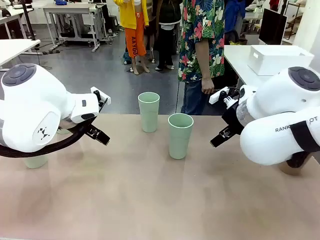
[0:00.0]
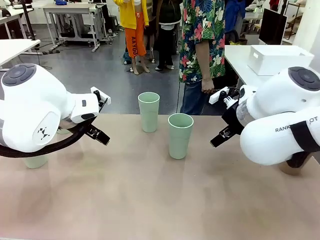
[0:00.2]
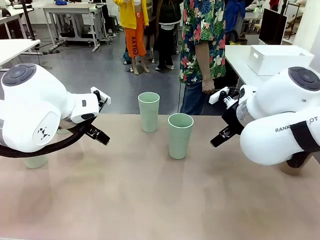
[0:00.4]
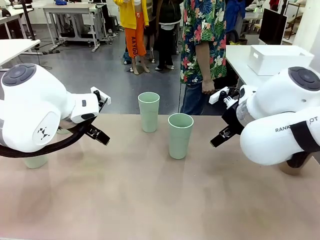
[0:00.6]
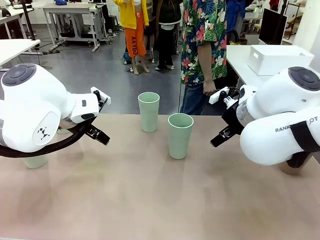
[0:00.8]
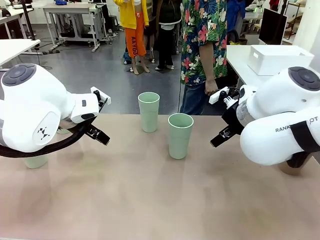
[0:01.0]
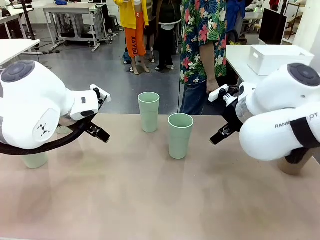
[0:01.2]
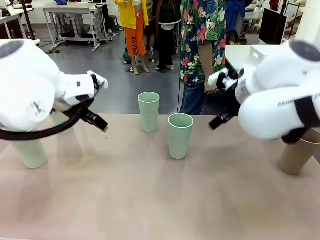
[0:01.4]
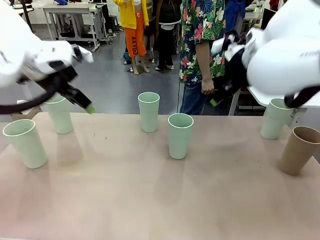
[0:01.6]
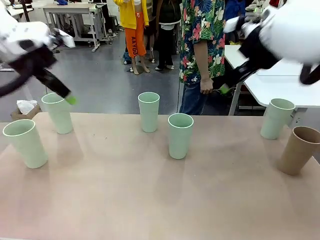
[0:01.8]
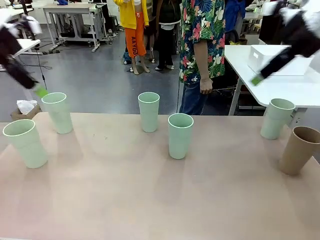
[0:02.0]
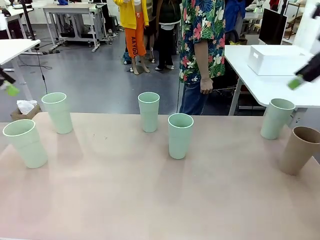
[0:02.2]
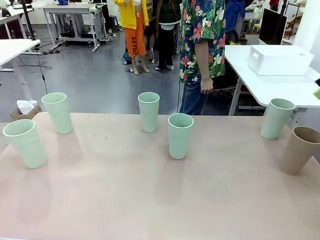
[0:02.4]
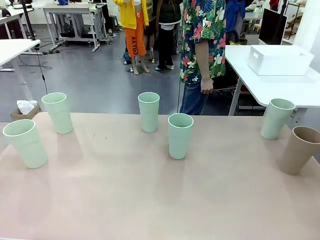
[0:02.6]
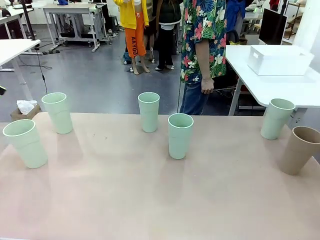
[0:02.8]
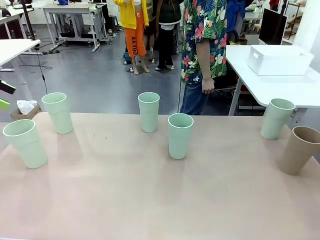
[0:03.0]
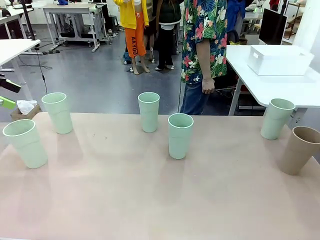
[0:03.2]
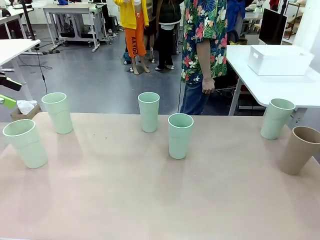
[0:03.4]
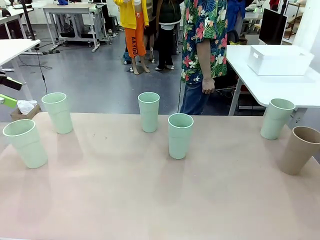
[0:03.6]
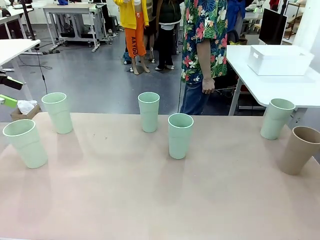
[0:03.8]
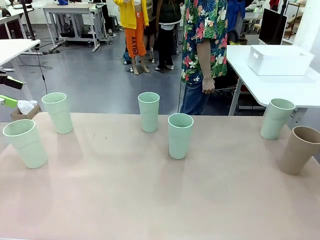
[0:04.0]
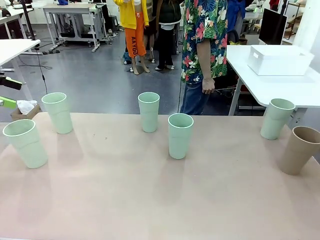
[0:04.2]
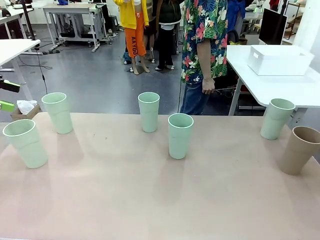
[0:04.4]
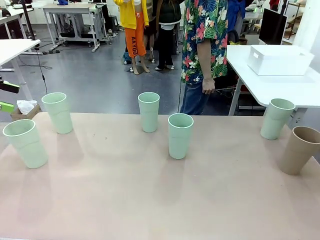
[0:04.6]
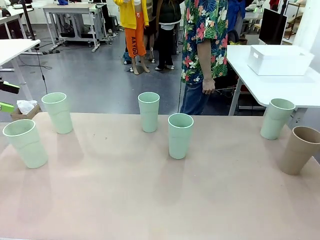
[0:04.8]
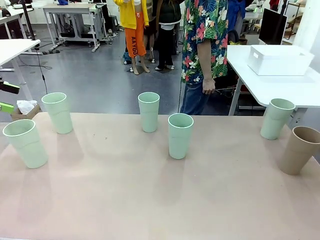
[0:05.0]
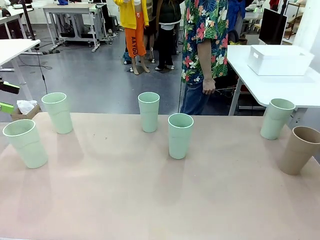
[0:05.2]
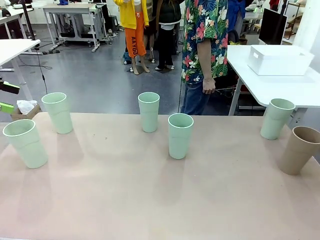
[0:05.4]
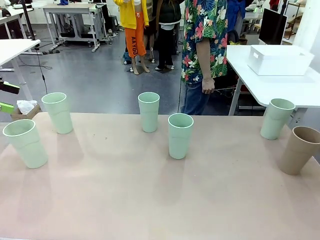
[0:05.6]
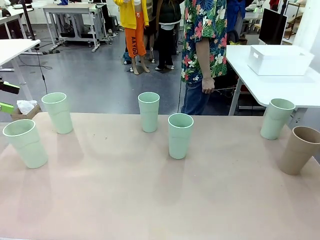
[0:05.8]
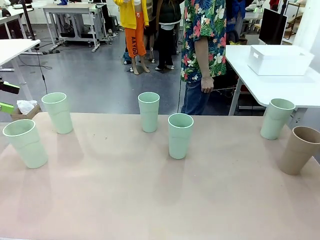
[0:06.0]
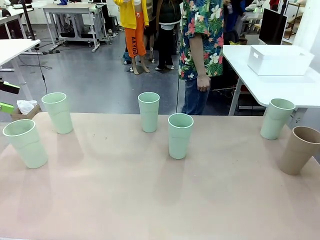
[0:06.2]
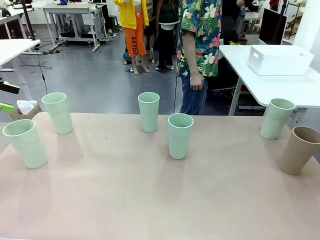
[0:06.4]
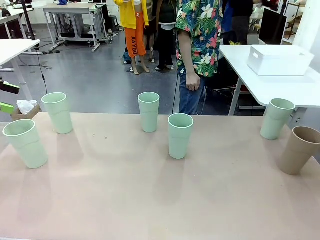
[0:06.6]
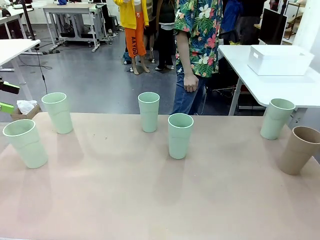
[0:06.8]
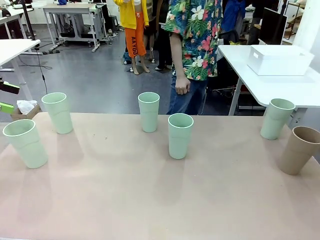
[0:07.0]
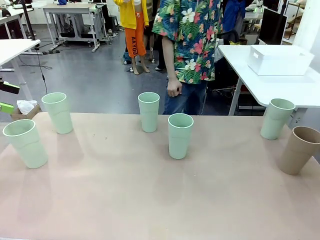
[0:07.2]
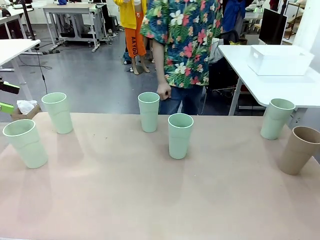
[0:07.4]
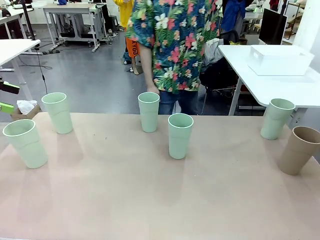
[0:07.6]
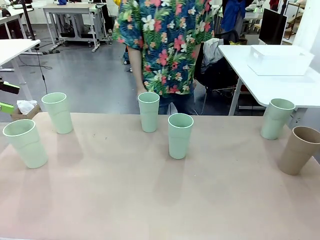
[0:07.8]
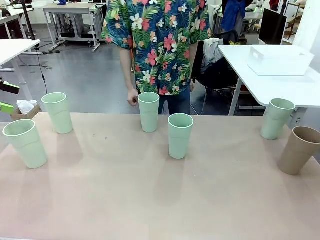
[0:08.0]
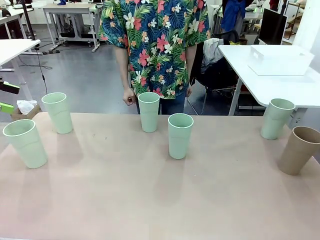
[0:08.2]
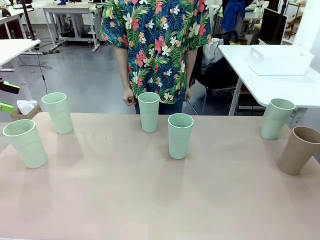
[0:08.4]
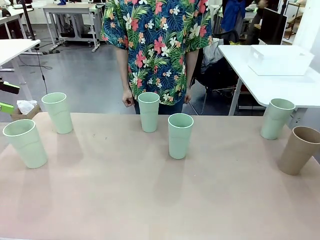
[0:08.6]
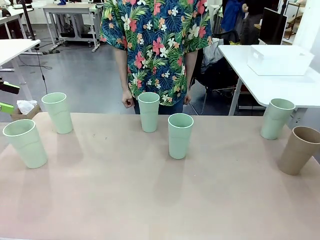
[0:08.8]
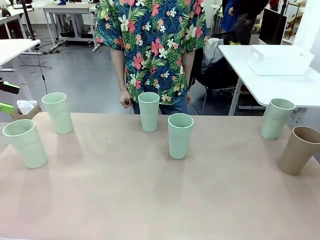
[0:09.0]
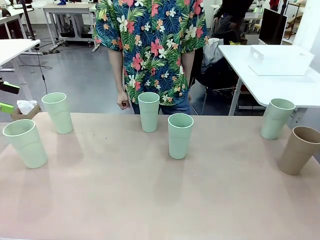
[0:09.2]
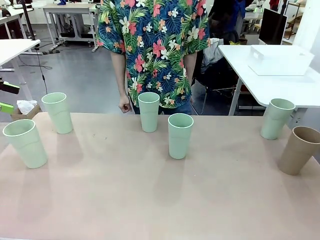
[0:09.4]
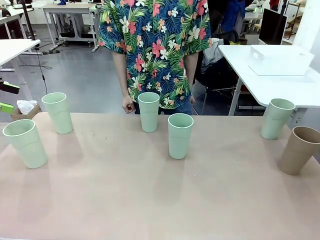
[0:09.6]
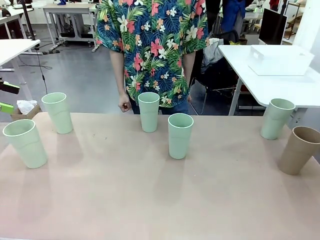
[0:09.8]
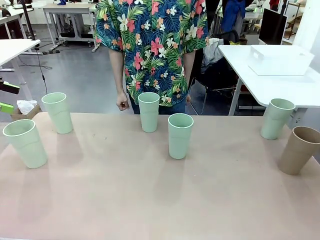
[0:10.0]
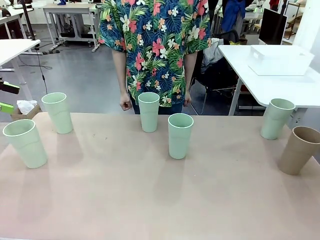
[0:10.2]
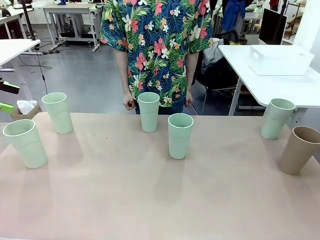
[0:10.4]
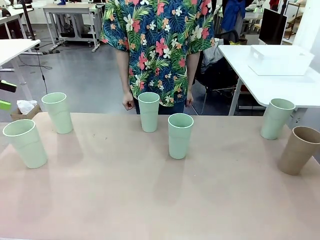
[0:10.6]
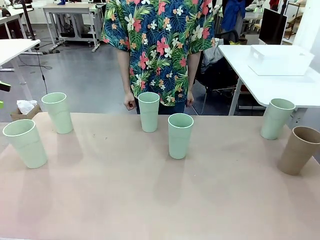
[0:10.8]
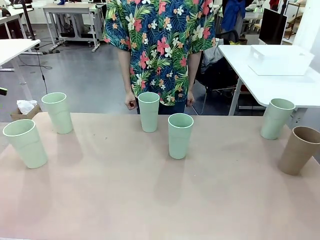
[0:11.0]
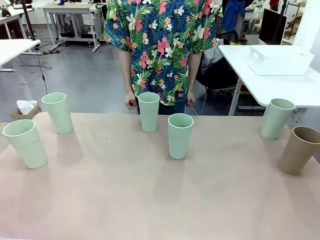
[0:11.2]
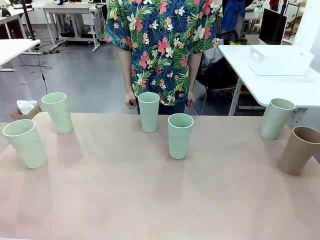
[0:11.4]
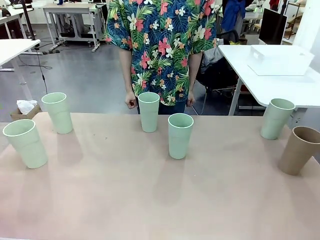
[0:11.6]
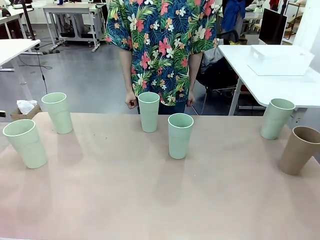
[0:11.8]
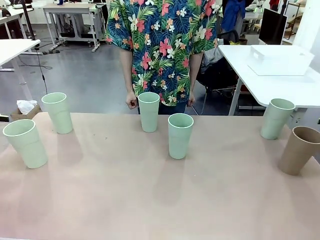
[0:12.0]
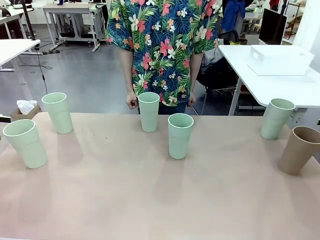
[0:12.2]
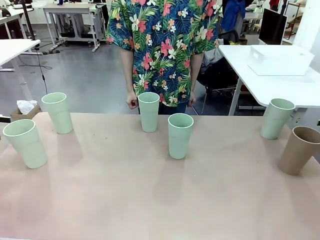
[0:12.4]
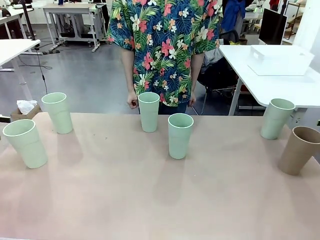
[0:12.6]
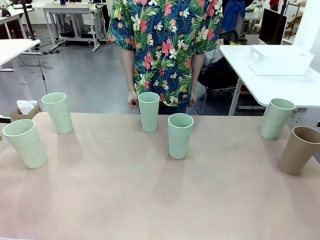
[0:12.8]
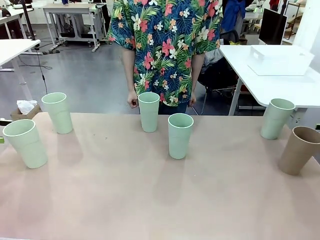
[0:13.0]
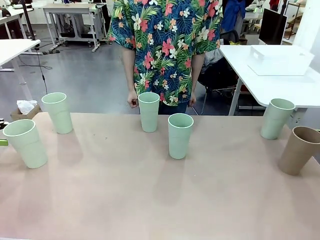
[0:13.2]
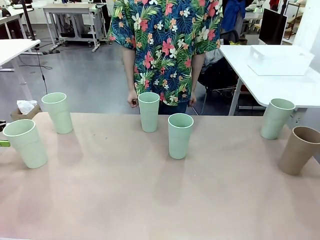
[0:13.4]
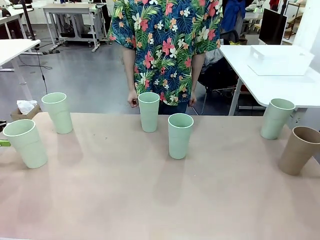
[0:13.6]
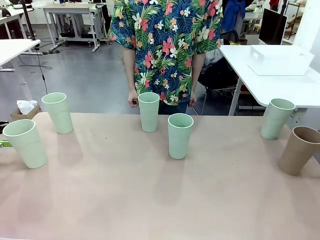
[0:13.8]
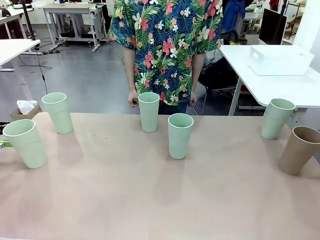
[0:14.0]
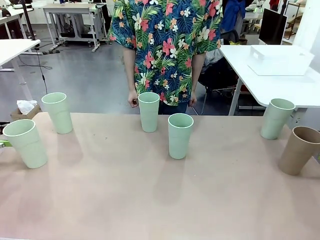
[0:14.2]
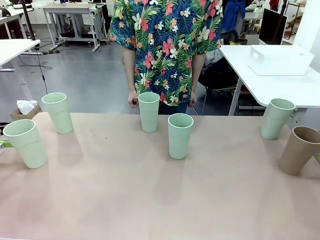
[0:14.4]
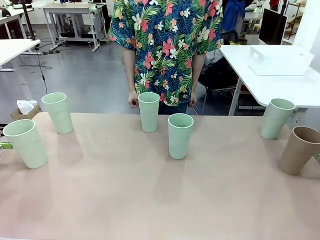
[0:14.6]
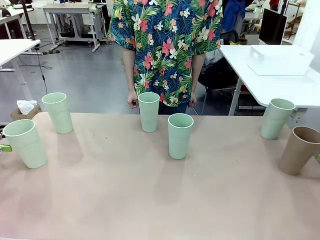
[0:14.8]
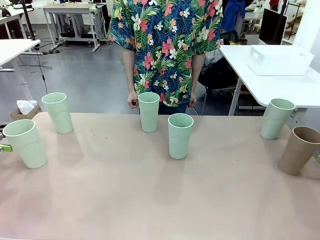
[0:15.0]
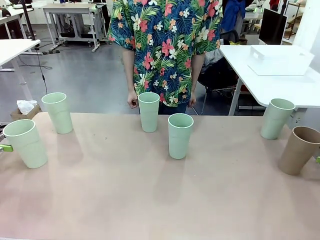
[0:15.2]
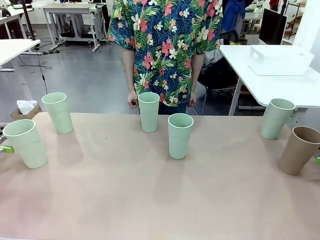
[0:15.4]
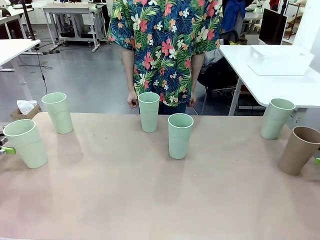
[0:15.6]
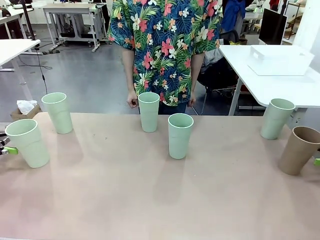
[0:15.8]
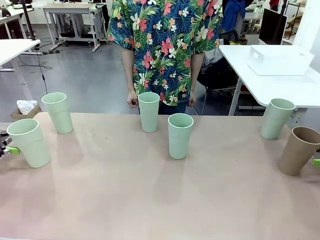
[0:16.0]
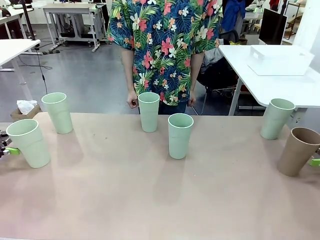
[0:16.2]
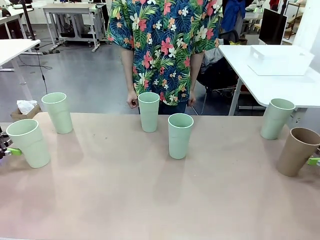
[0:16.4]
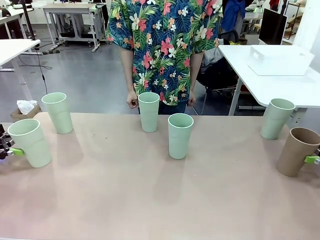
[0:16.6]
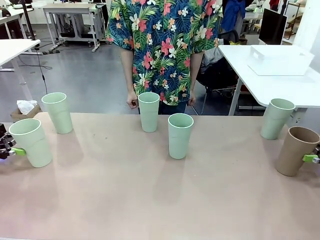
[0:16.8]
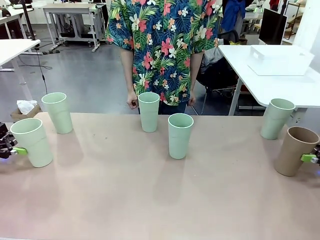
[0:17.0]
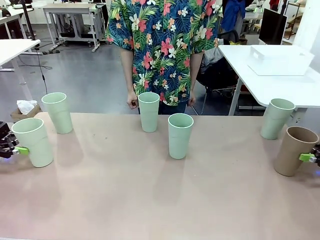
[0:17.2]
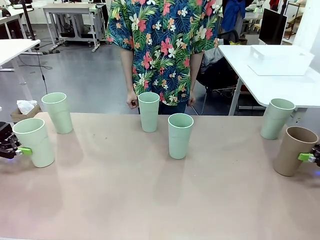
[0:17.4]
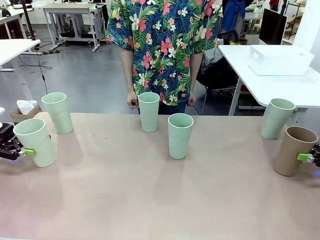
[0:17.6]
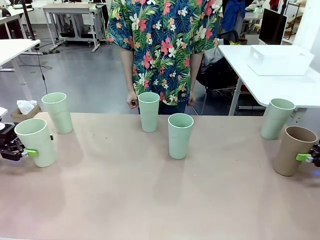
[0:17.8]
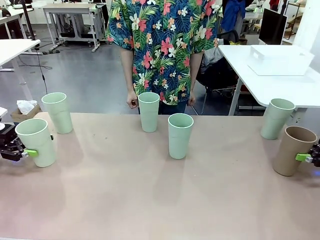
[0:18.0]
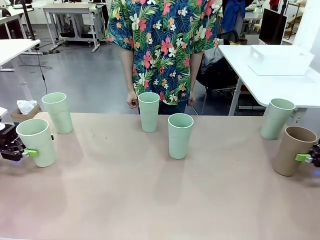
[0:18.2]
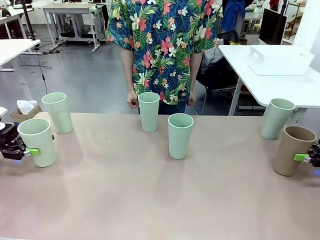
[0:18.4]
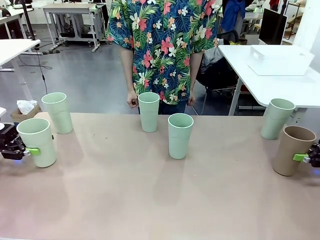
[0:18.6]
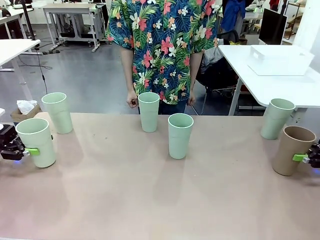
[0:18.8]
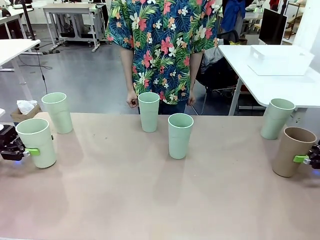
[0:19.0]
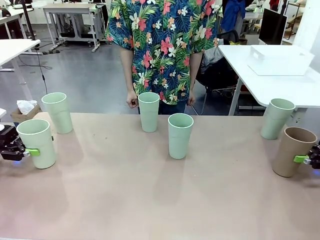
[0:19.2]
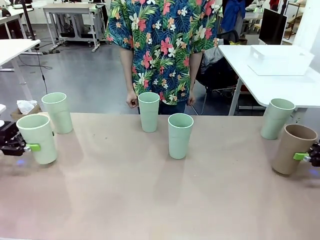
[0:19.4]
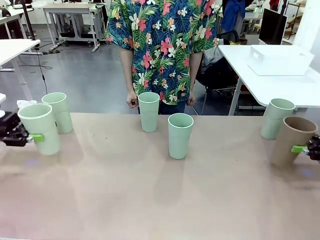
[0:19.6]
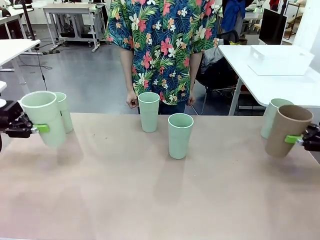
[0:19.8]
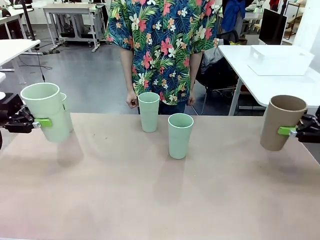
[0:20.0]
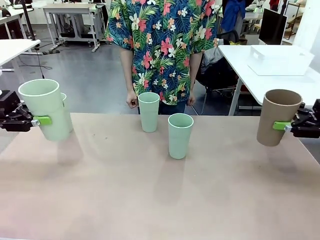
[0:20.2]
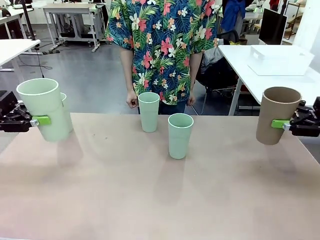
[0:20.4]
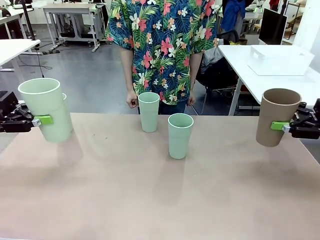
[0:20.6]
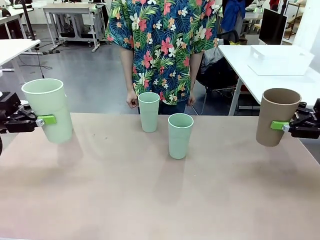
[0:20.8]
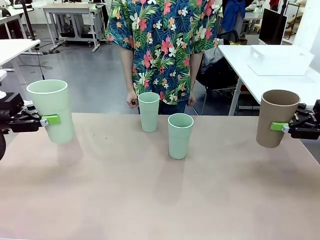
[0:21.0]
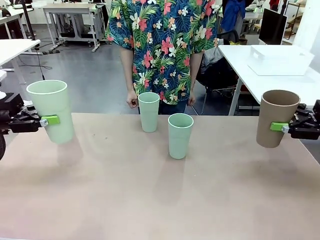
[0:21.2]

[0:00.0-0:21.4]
Task: Stack the cups and store them in the basket.
Robot: Pick up two Reusable plastic cups , one in each hand.
Person: Move from the Human Table to the front of the Robot Table. Stack two of the remaining cups on top of each cup held by the robot.
